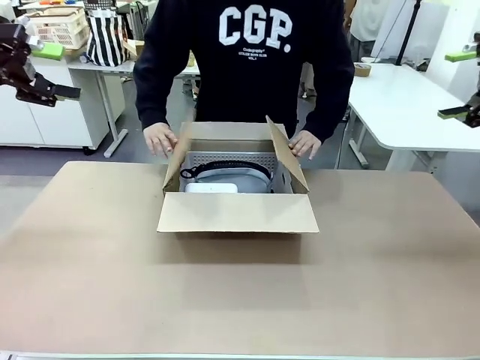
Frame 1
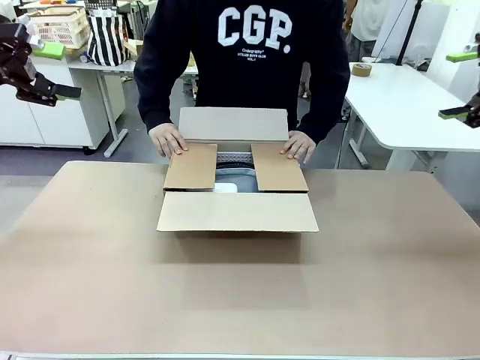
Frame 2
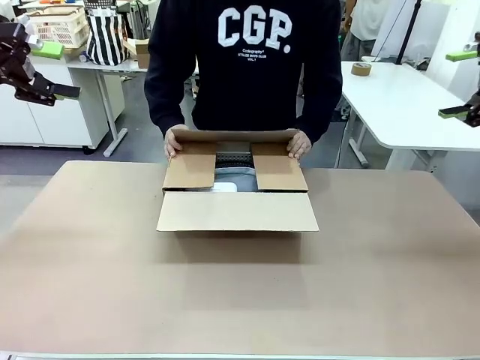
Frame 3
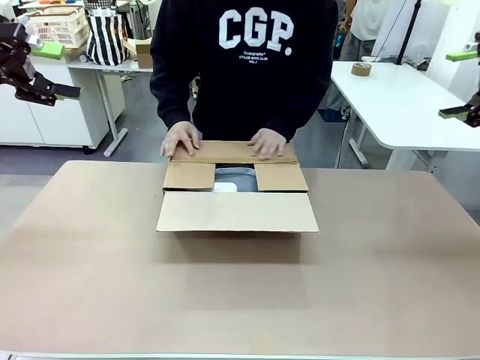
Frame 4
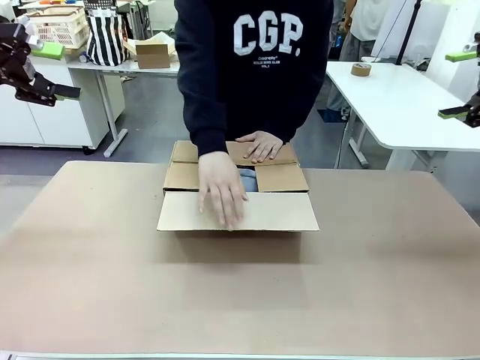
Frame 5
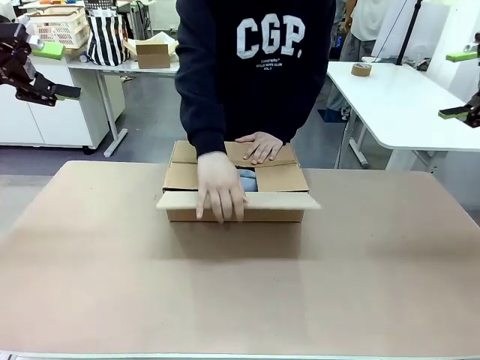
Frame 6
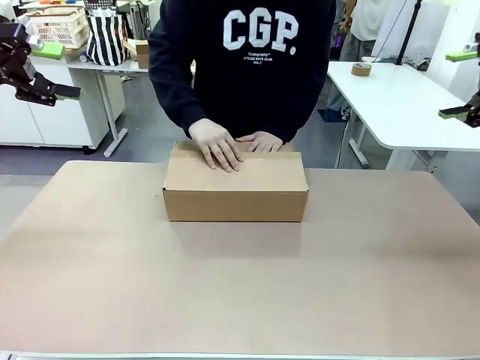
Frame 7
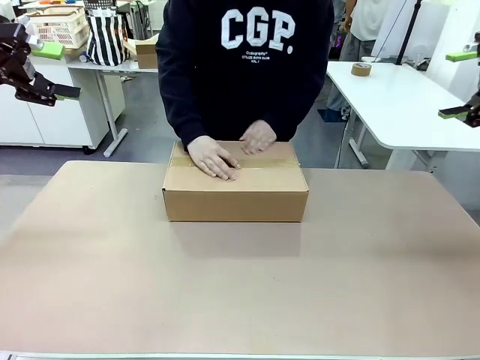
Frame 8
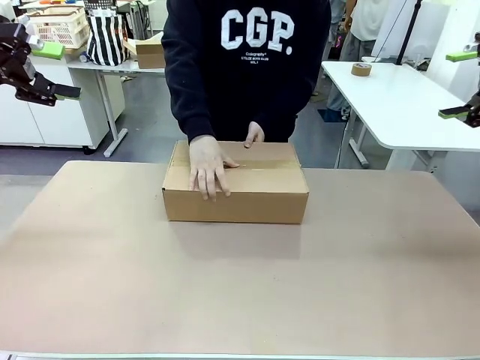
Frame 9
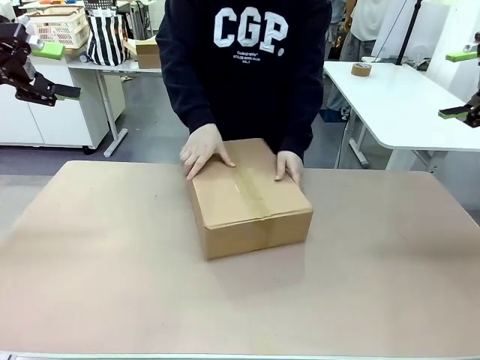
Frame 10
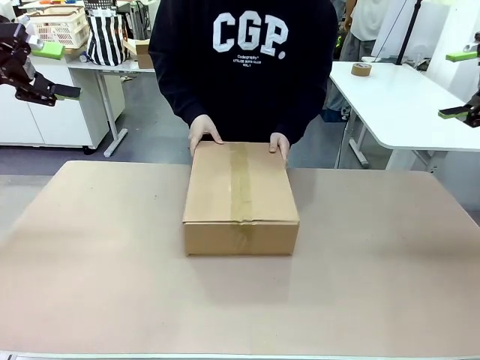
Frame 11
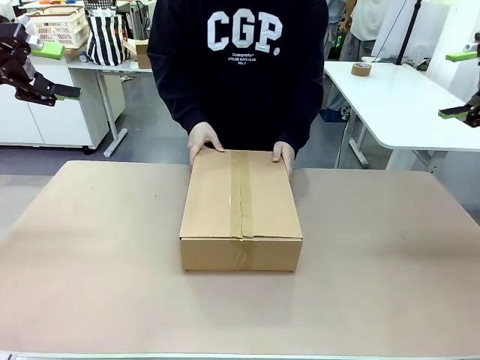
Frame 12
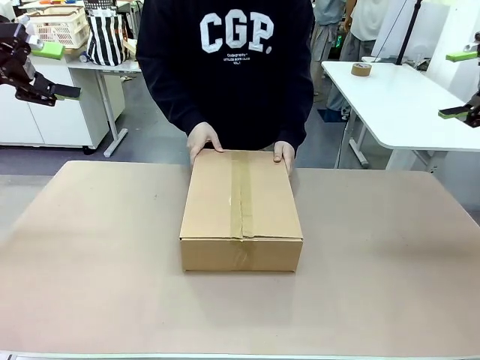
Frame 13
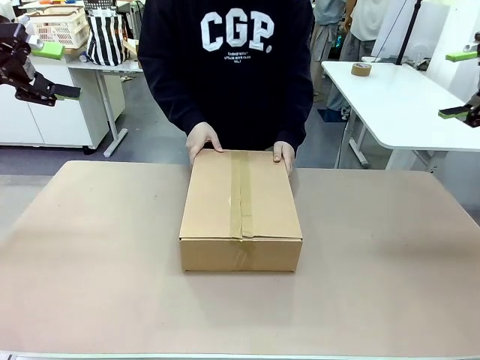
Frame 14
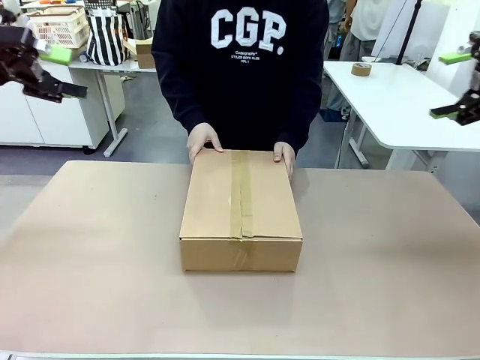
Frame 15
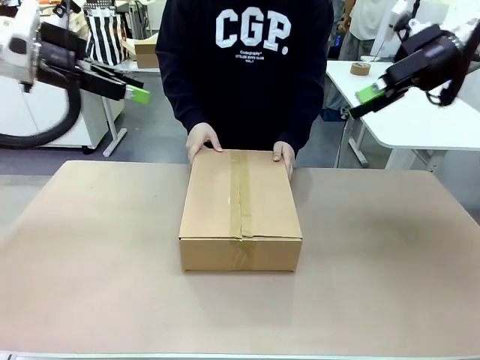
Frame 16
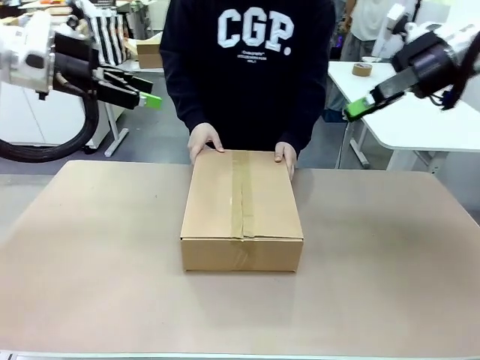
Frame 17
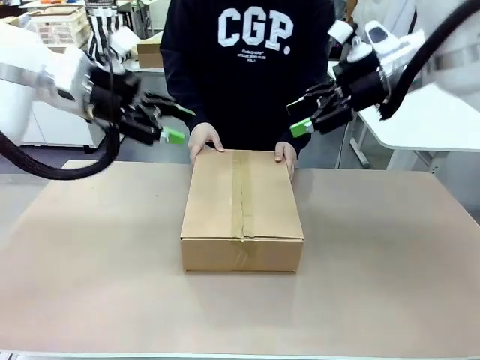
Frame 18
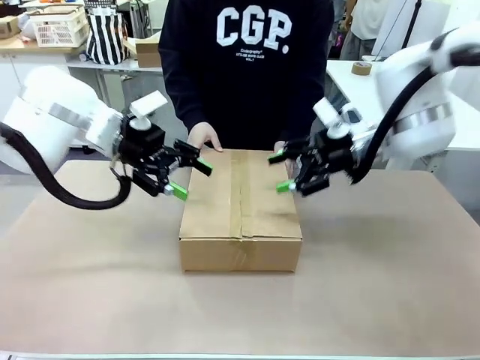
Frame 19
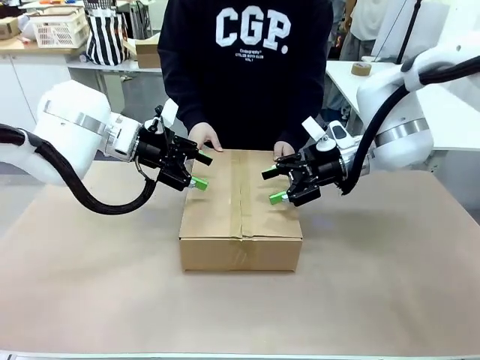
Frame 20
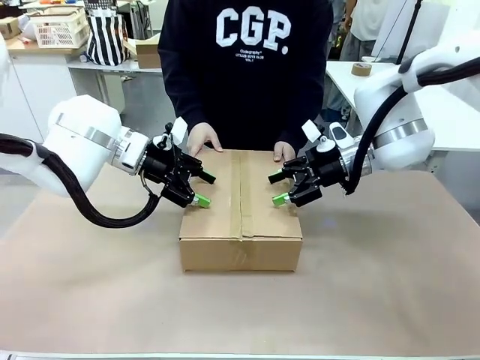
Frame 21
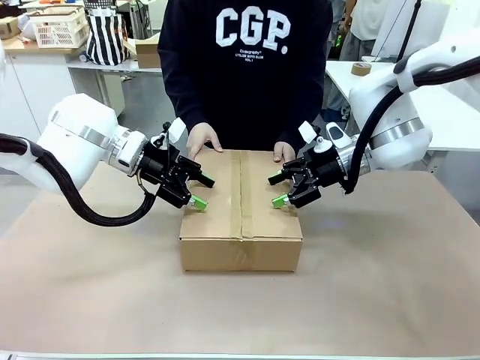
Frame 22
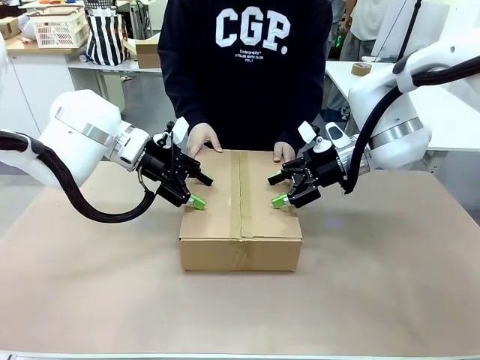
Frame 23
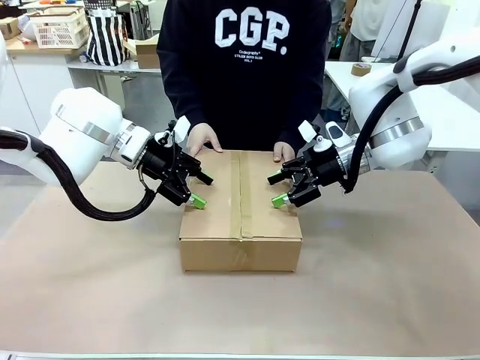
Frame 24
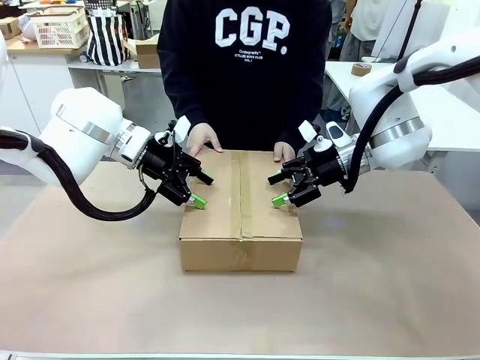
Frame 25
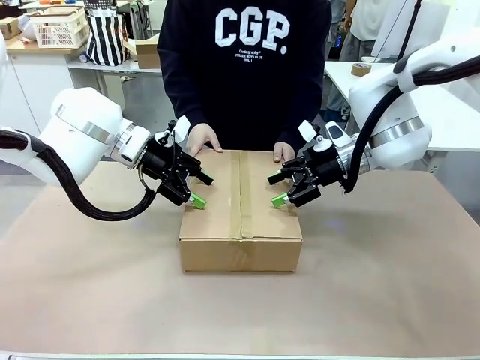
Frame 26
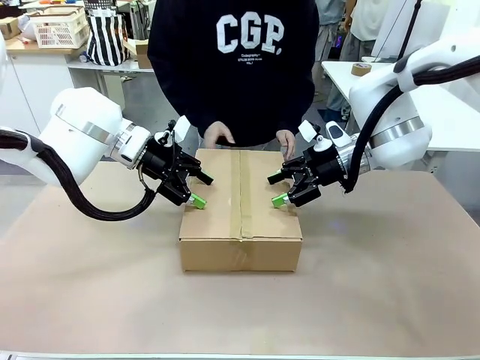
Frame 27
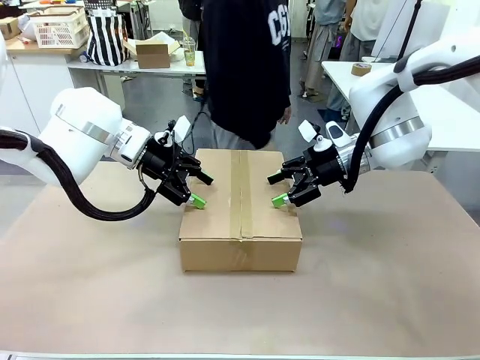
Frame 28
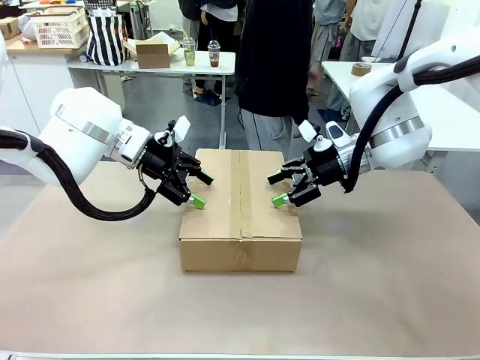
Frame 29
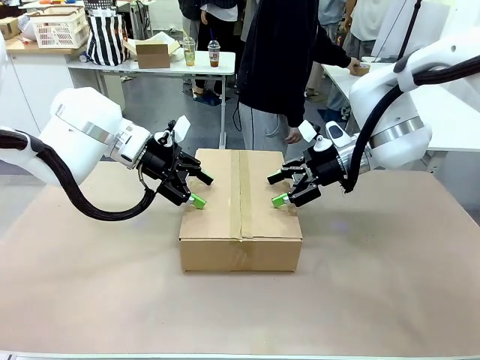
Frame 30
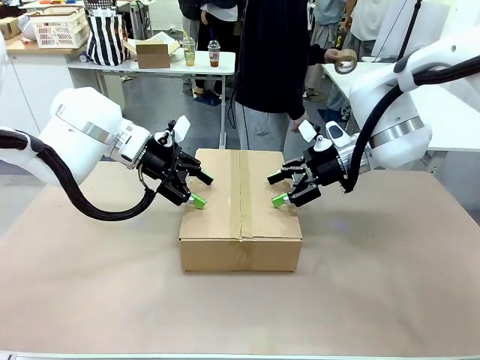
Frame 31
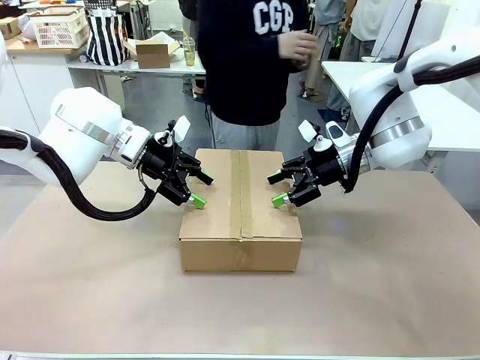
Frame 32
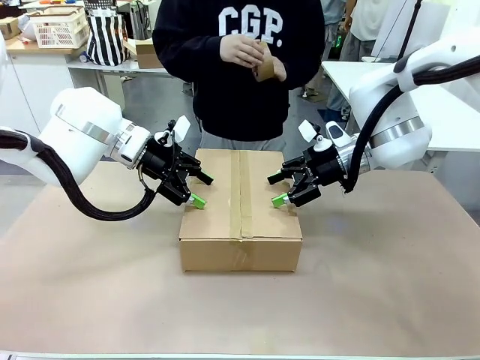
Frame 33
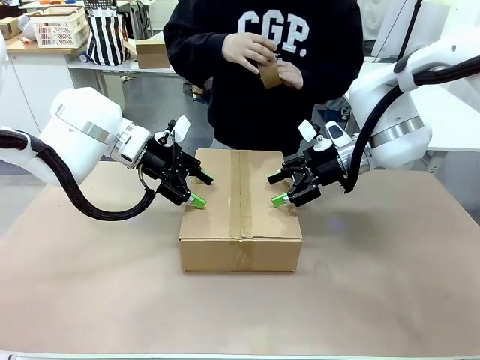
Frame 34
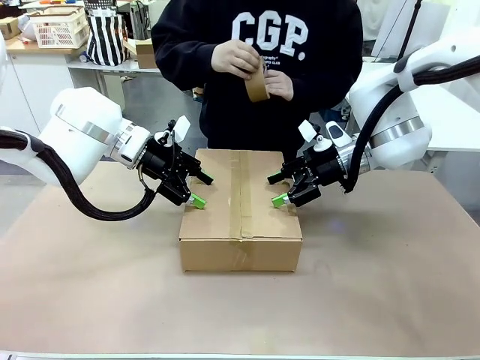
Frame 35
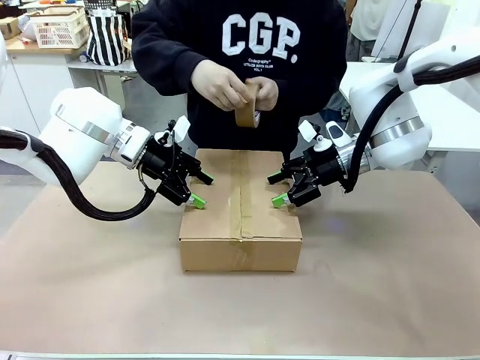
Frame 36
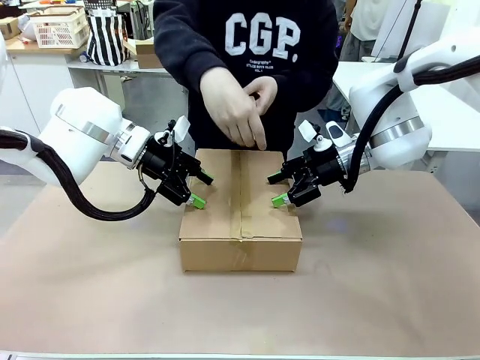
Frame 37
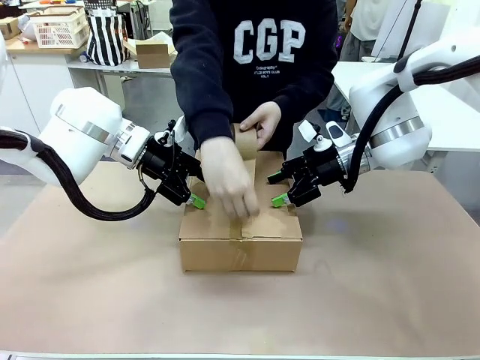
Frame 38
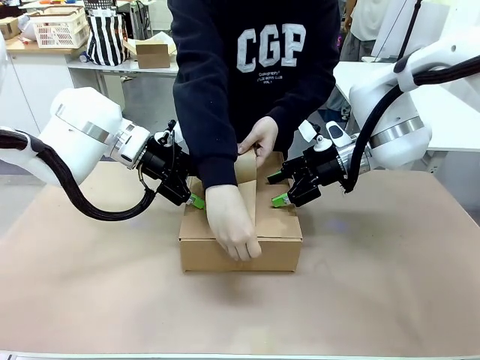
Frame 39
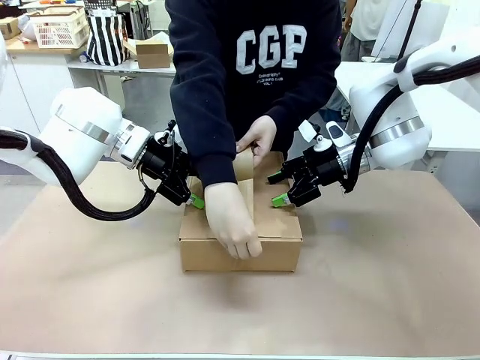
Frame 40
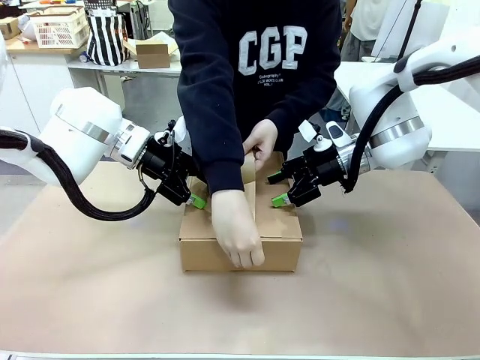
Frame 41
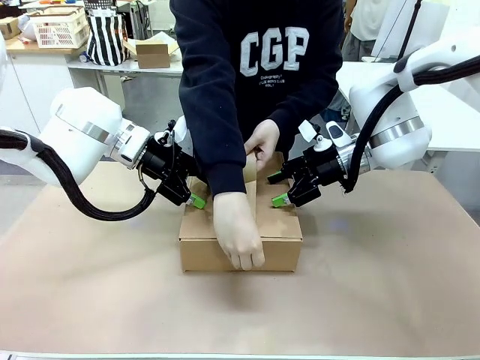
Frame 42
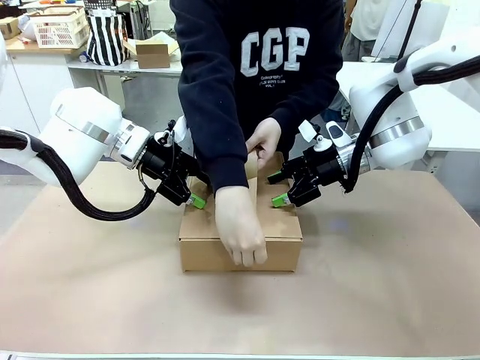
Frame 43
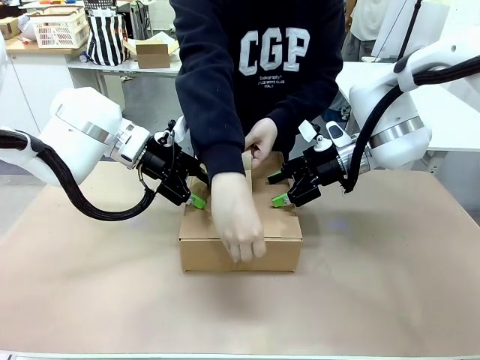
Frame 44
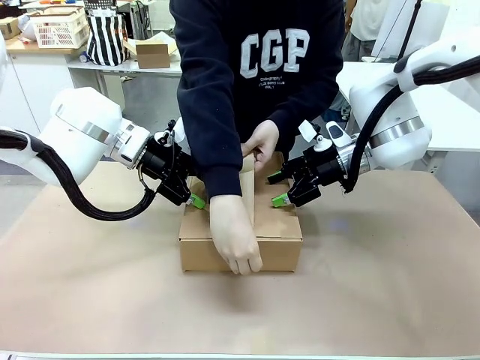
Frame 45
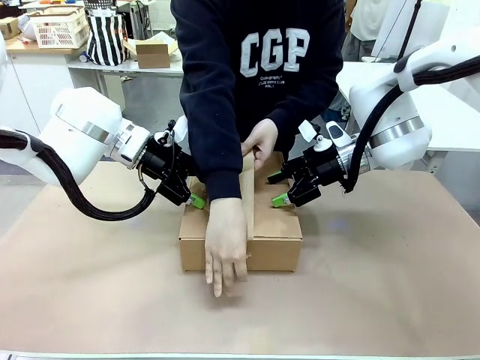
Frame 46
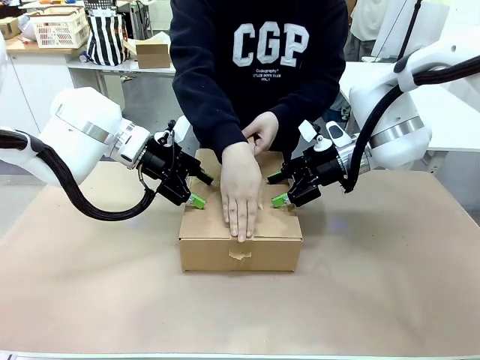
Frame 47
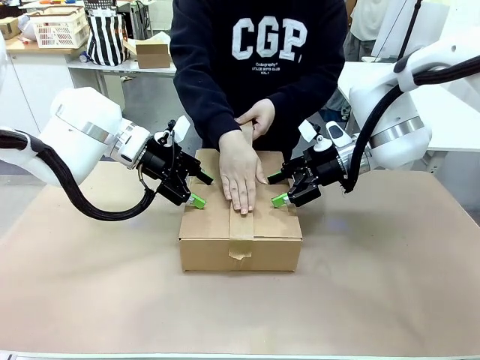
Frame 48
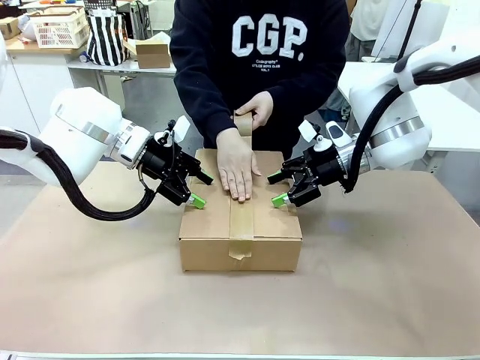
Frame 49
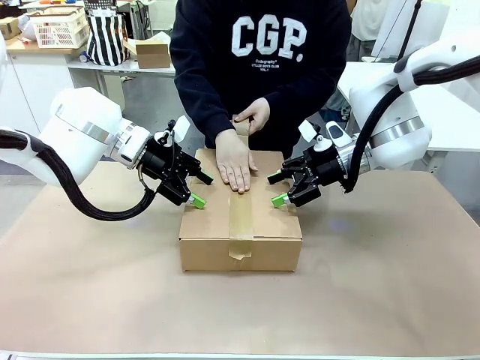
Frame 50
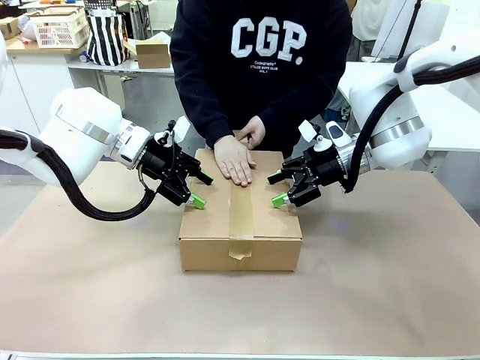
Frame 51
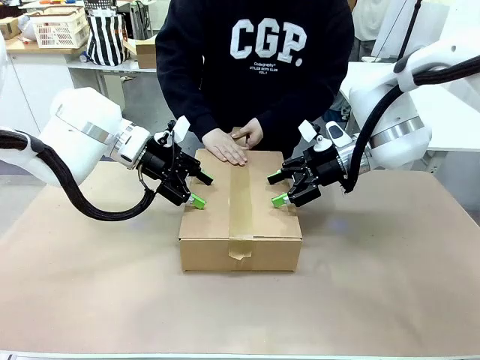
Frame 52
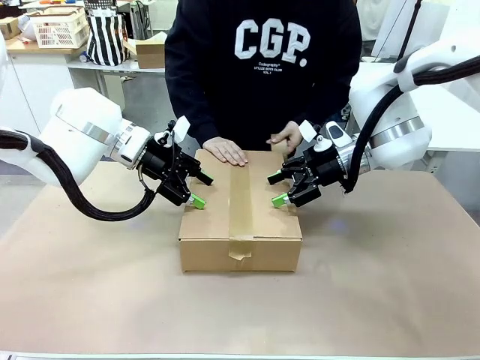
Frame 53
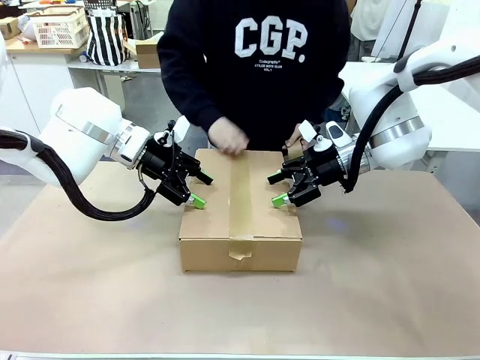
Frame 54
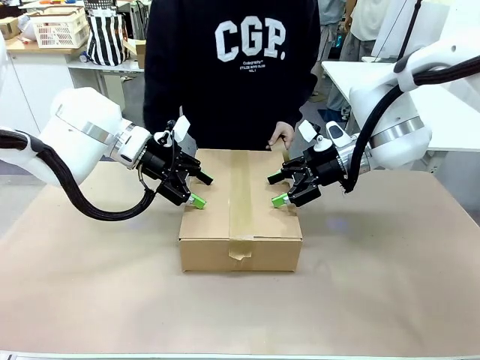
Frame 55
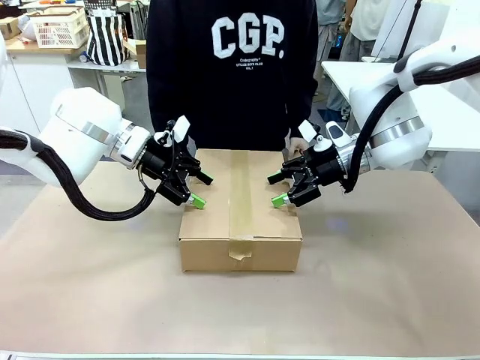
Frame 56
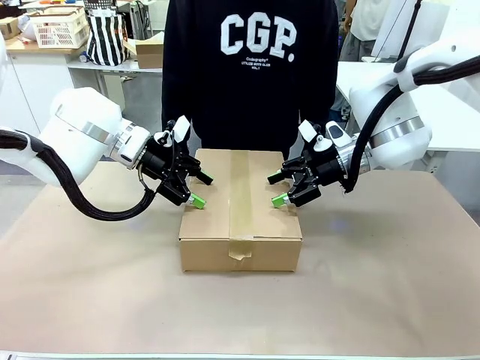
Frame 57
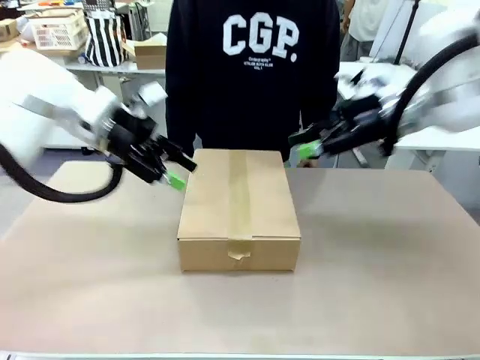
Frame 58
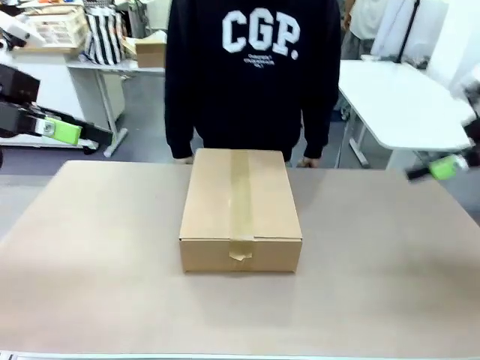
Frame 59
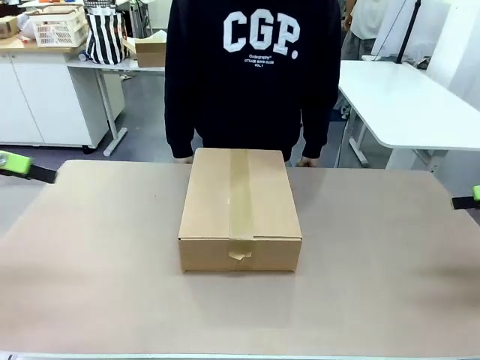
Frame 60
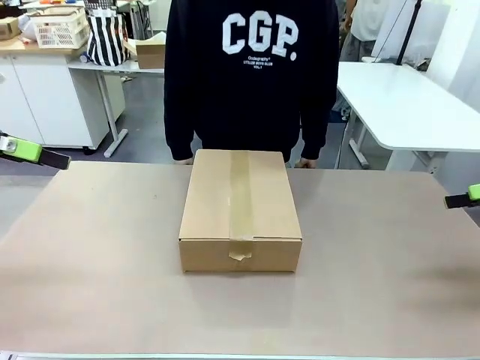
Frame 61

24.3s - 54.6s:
Task: Pack the gift set into the box.
Robot: Press and hold the closed box until the human finishes sealing it.
Person: The human closes the box and rotates the box by 90 degrees. The human picks up the paper tape from the human table and packs the box.
